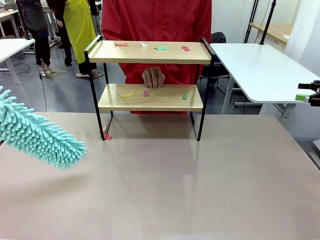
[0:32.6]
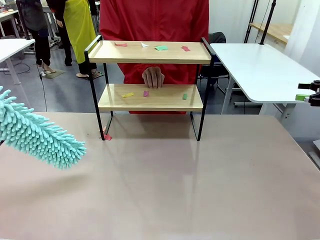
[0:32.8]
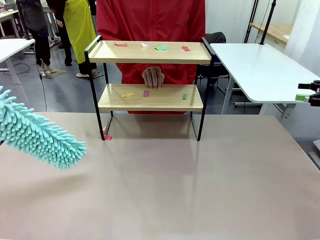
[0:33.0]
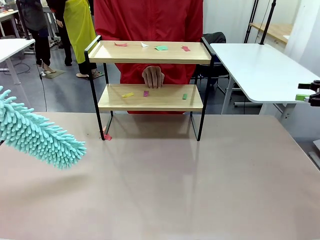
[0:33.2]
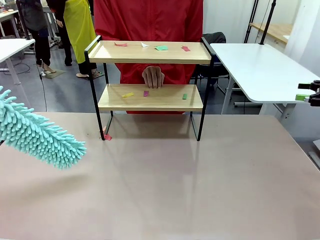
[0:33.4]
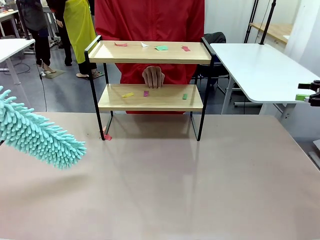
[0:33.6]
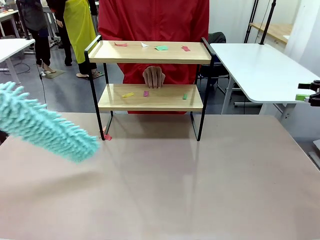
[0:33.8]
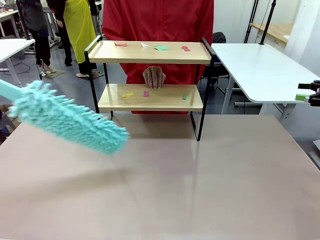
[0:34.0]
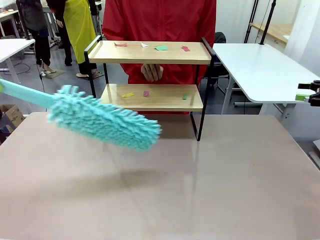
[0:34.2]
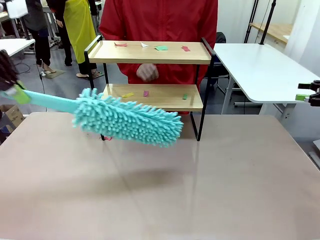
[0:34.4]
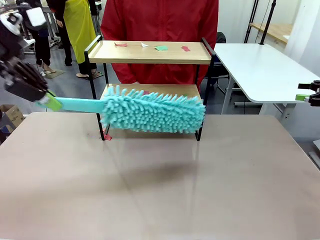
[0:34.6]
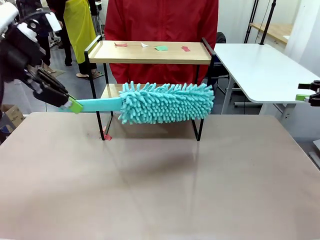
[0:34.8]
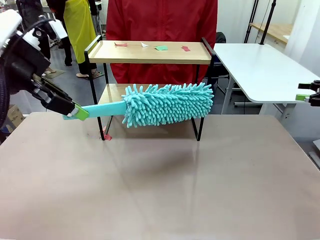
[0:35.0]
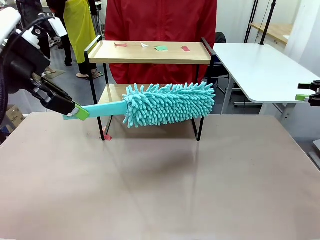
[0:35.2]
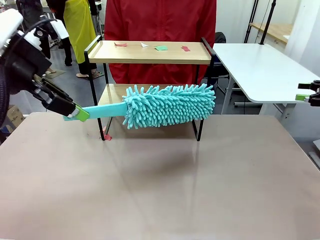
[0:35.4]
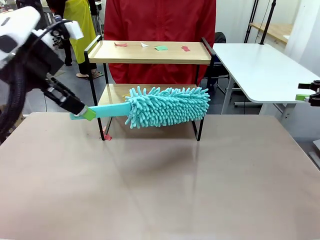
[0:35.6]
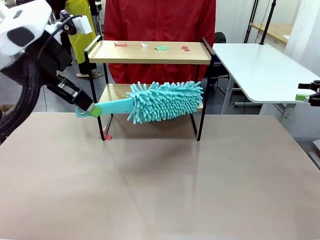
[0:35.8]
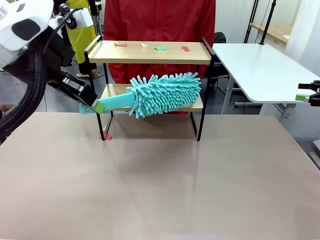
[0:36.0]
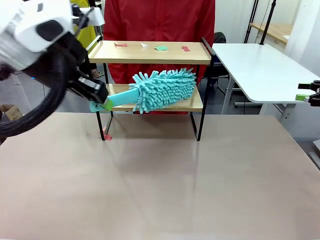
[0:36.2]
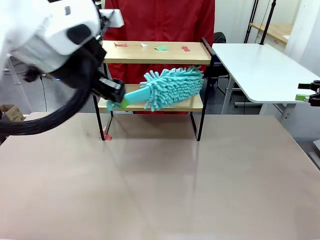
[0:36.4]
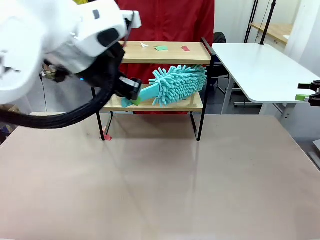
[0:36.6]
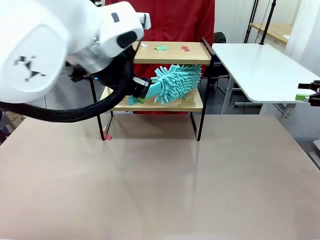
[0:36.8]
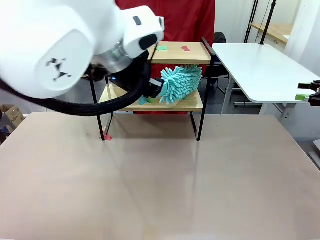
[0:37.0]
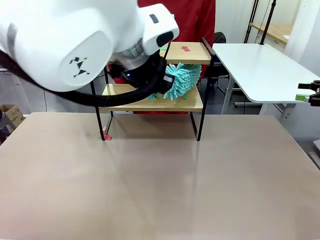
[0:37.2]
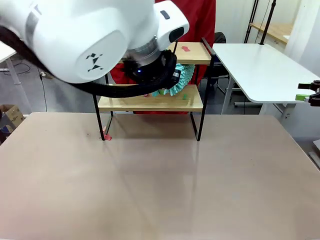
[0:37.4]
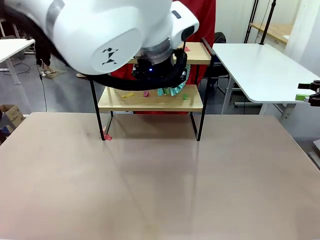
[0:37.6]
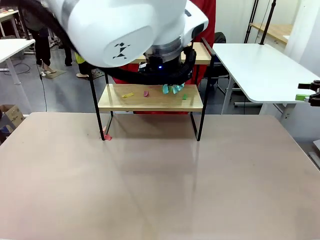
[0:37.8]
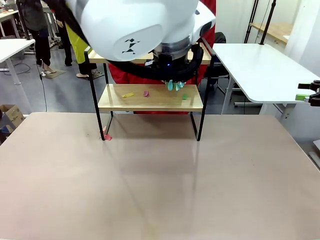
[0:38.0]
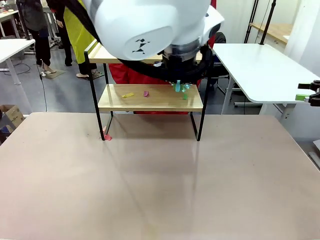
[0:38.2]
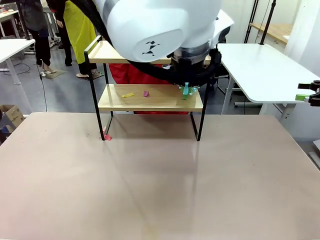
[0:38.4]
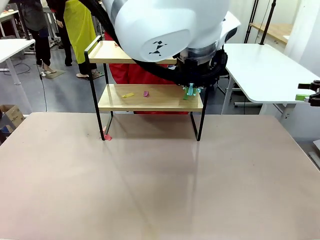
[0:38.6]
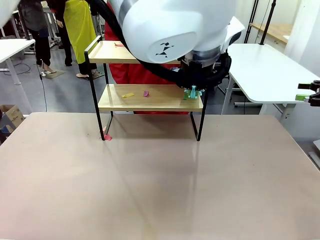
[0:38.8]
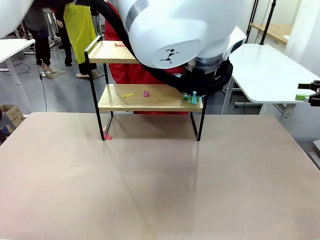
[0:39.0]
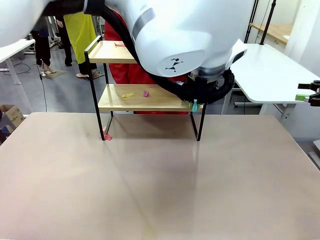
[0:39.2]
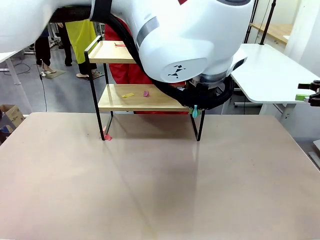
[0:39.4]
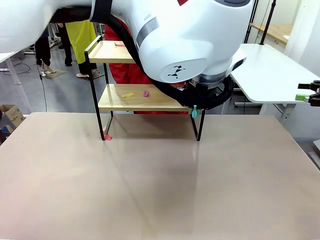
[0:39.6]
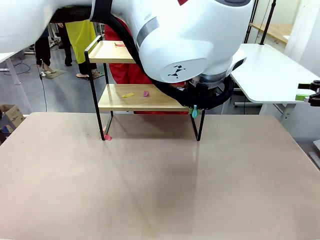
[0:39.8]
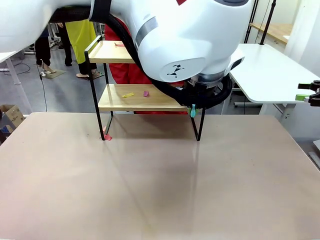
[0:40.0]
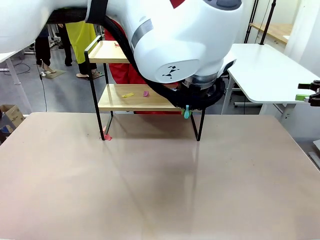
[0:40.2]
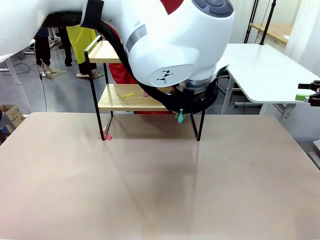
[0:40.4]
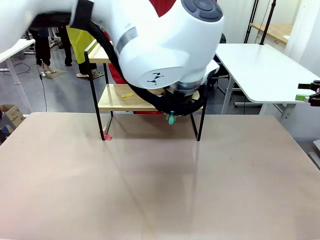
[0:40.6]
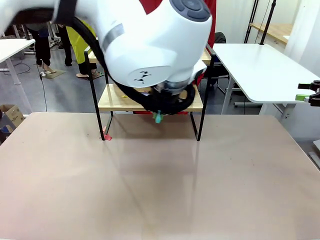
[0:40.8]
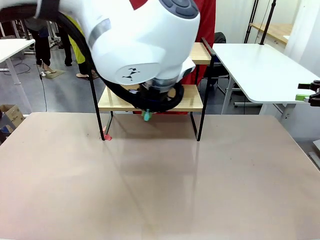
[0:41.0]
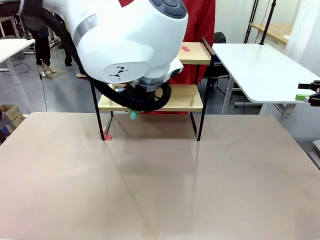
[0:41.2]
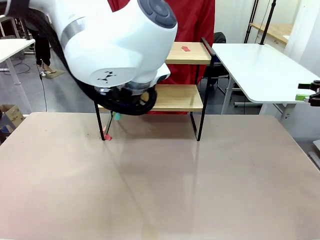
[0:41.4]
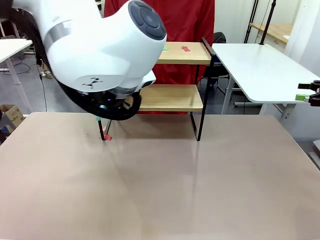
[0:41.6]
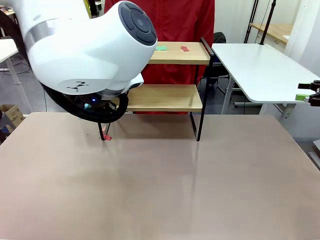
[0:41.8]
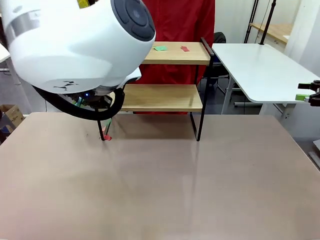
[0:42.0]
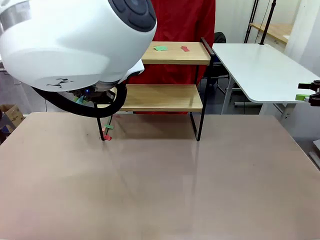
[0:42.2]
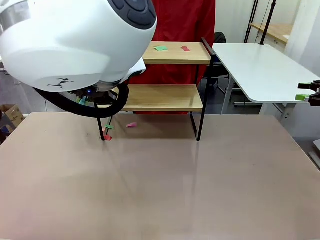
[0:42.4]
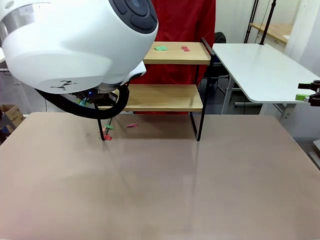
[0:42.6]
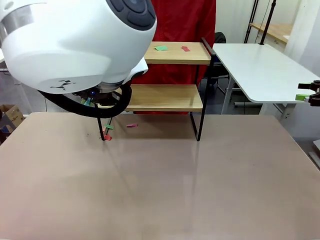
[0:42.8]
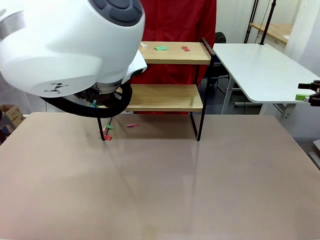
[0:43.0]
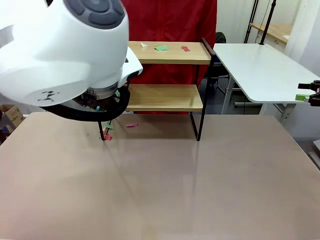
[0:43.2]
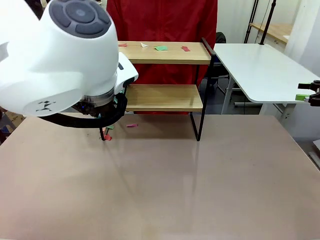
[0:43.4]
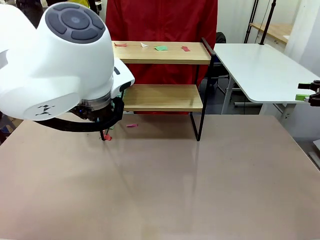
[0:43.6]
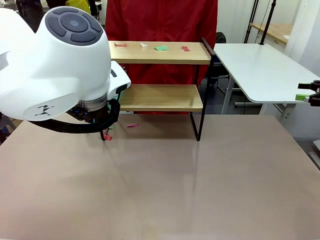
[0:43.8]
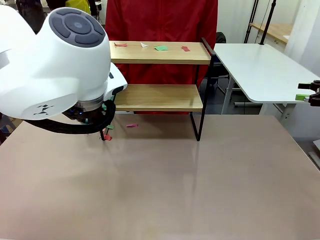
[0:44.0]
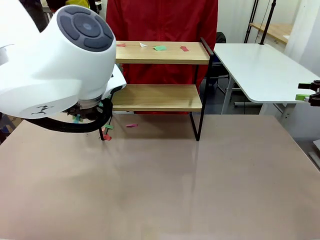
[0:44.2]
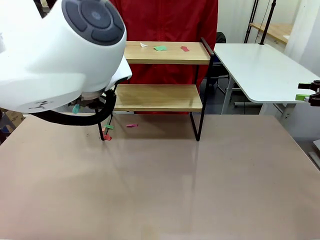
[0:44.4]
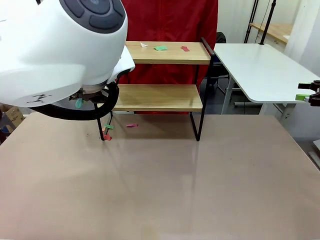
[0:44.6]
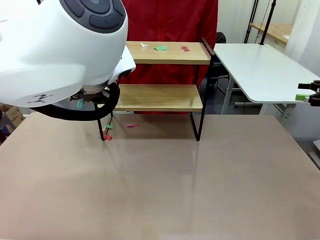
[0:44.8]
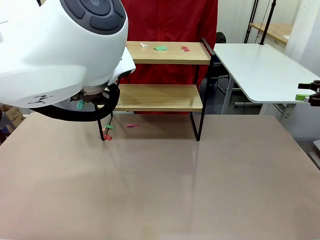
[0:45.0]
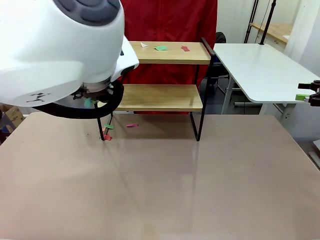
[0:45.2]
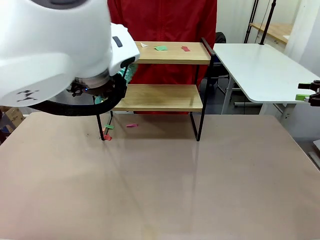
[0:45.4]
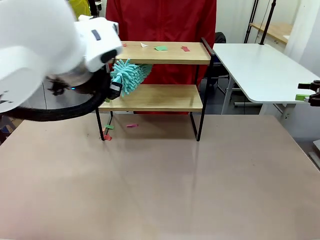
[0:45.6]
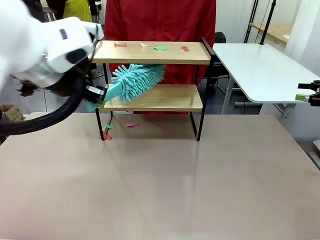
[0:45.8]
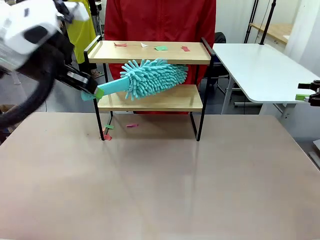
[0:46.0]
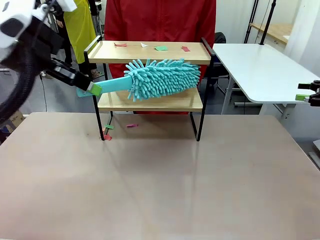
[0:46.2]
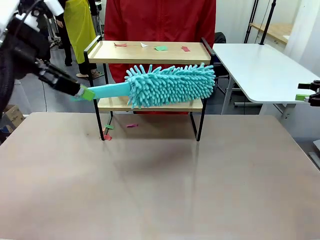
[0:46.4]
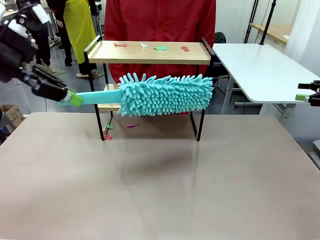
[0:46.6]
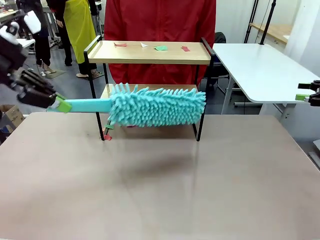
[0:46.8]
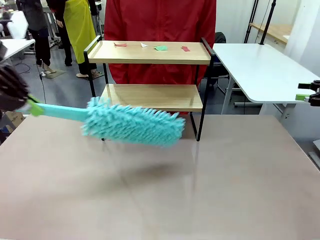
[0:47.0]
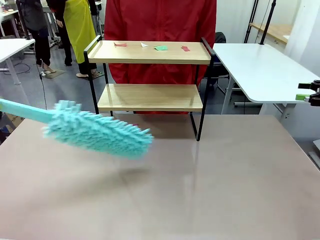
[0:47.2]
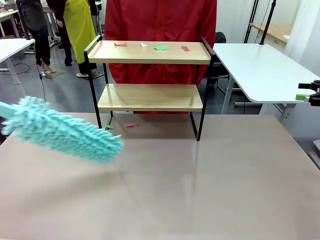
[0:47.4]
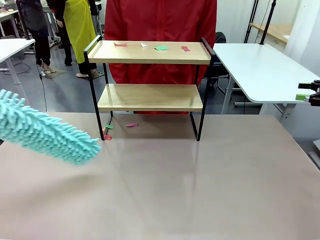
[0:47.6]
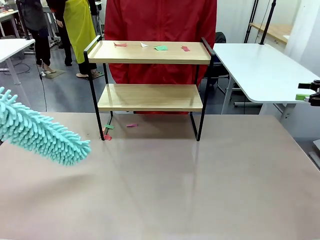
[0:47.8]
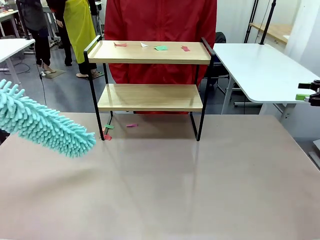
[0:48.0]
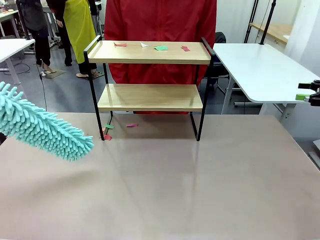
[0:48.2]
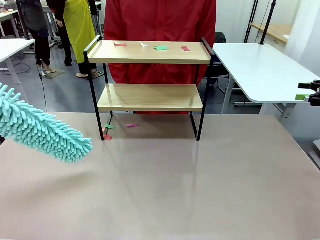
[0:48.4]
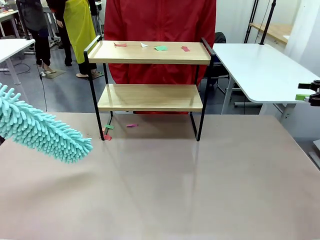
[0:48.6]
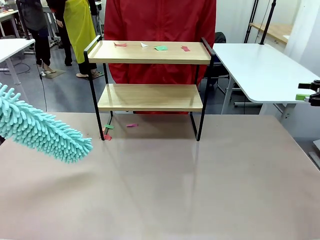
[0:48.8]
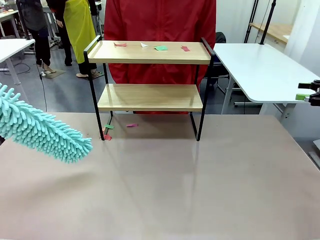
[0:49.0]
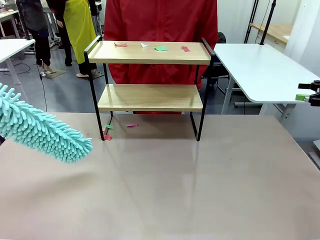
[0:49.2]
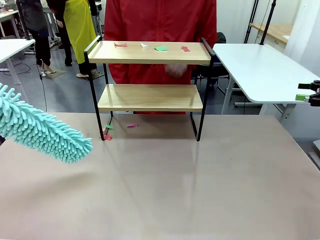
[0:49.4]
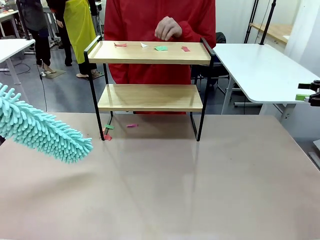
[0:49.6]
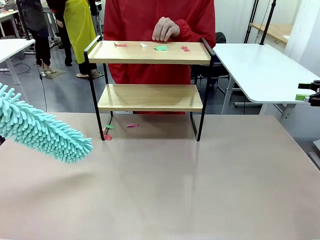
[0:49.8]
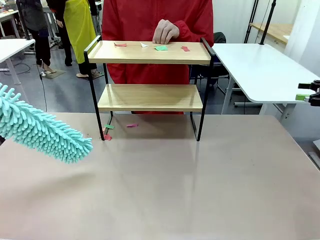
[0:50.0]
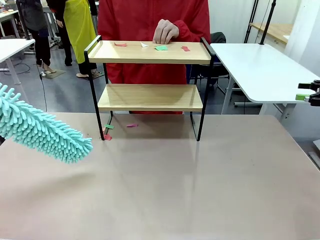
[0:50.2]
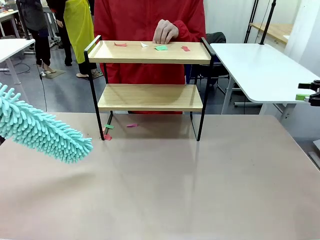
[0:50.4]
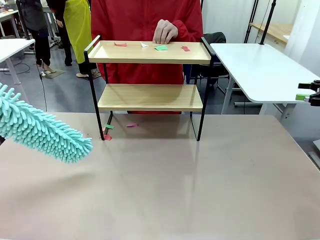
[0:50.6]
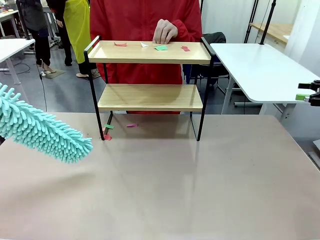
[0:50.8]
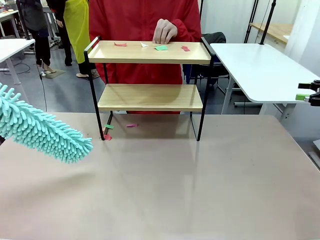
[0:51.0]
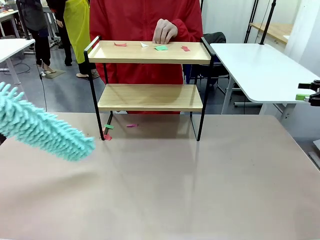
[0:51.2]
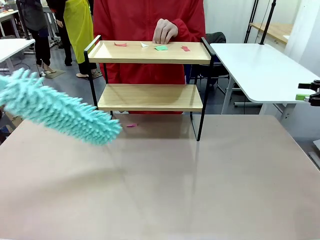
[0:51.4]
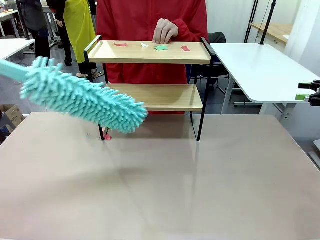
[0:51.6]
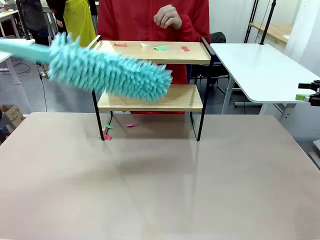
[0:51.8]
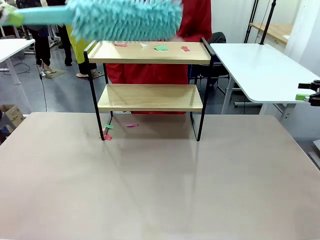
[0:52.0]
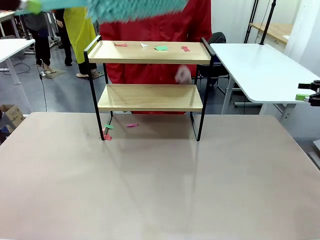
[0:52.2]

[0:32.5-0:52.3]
Task: Clean the shelf.
Robot: Clean the specific section of the Shelf indicated by the human with the Duster.
Person: Point a remaining section of the Shelf.
